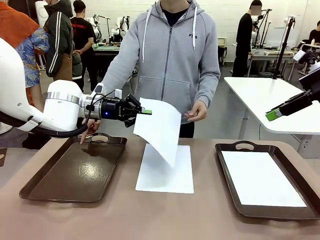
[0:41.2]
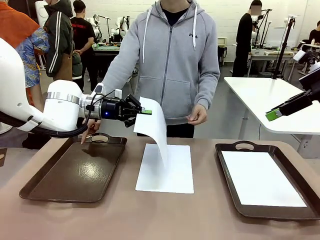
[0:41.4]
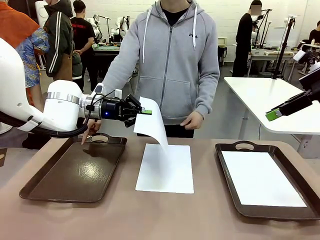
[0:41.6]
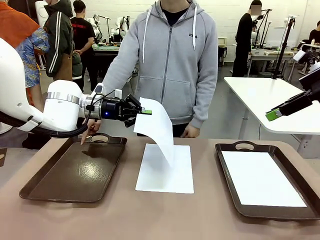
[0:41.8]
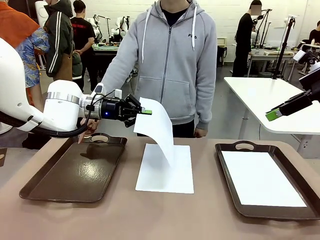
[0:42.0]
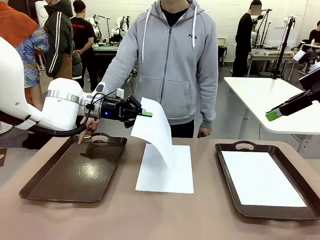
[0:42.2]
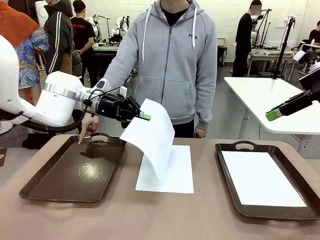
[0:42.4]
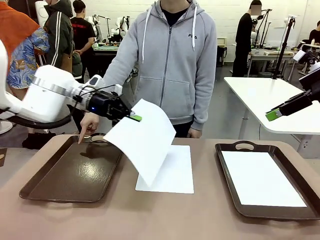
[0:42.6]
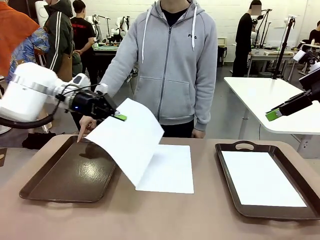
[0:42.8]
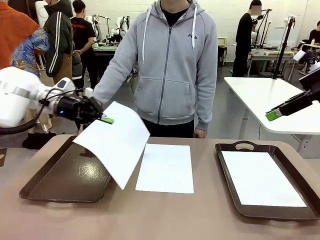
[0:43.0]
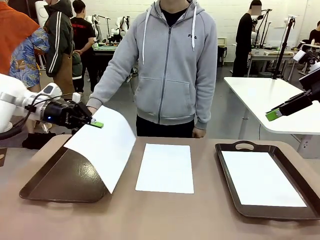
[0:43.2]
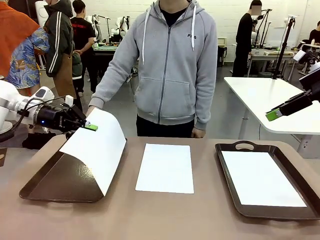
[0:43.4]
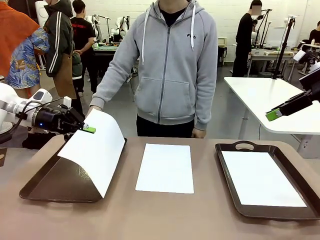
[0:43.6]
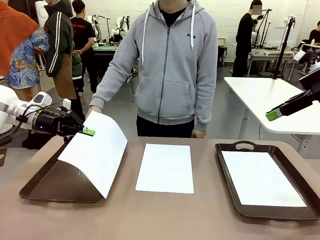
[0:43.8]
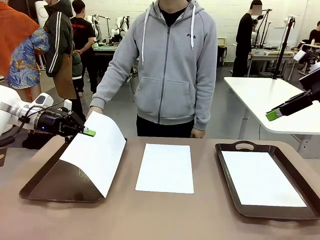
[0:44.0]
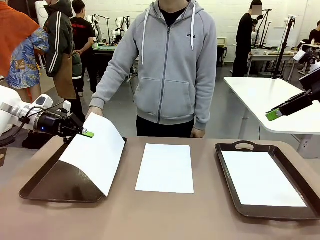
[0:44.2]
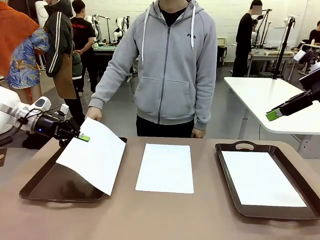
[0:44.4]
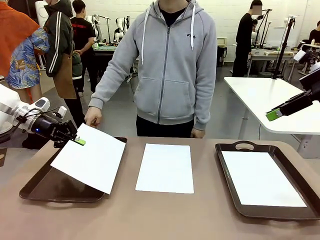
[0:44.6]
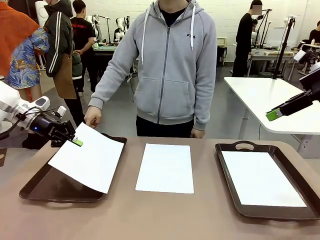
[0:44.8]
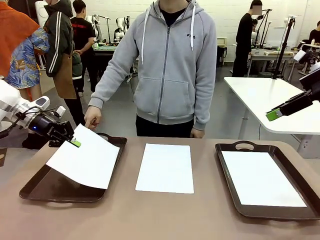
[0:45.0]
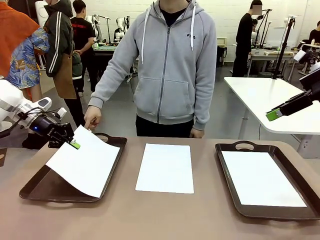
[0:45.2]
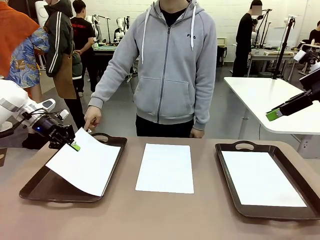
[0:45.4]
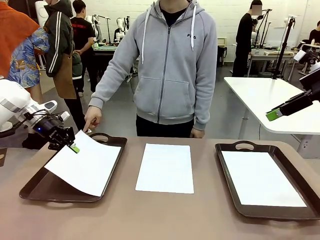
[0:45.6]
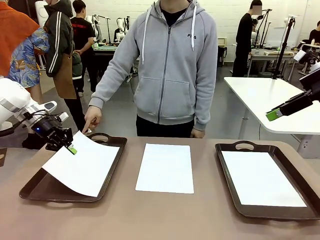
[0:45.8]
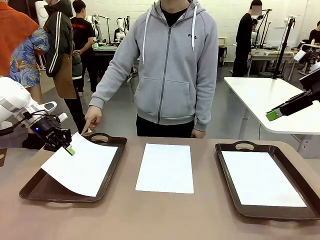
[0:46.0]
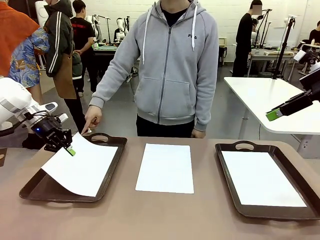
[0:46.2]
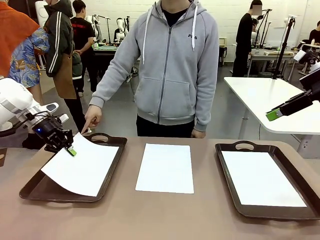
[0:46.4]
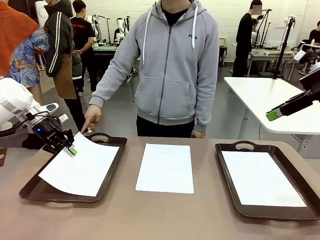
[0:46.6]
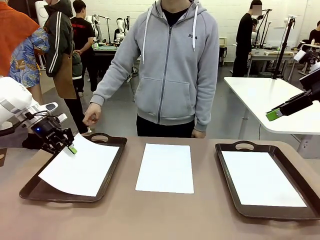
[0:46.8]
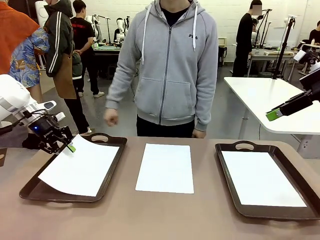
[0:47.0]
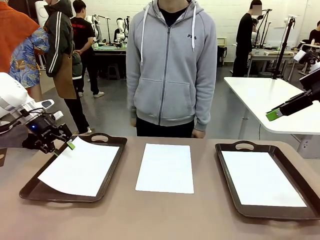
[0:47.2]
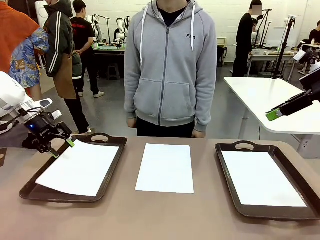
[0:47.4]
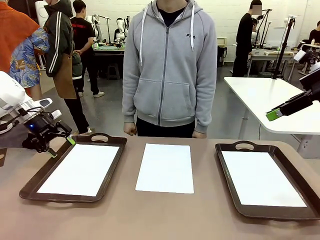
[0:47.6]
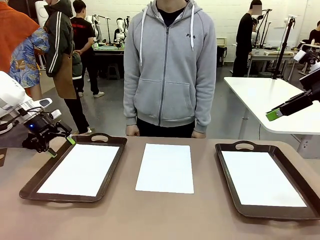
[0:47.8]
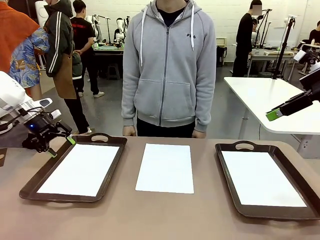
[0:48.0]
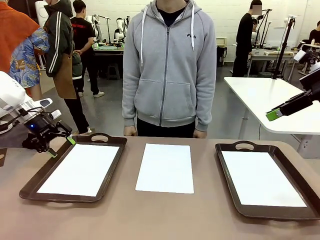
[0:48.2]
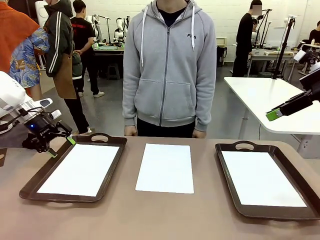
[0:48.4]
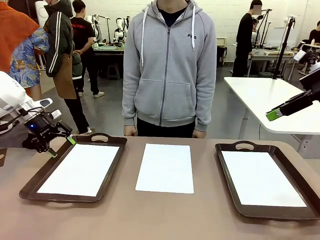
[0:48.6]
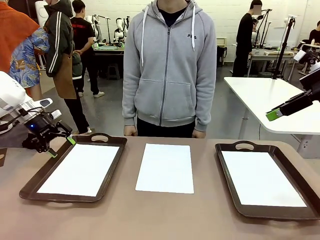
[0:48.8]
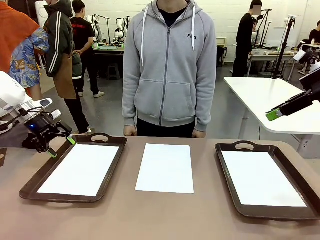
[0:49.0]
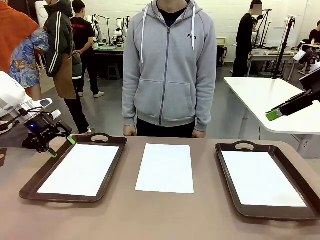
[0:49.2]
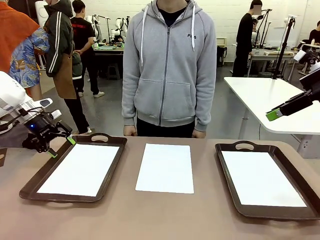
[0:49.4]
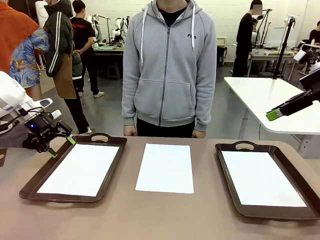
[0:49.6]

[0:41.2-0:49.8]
Task: Sort the A4 documents.
Robot: Place the A4 Paper in the designated Handle tray.

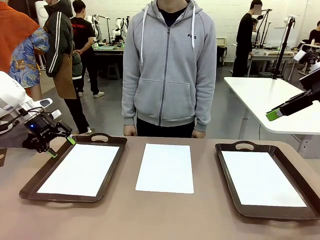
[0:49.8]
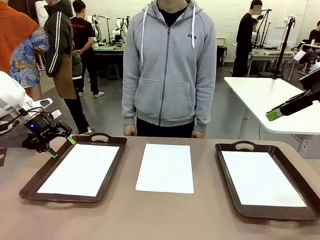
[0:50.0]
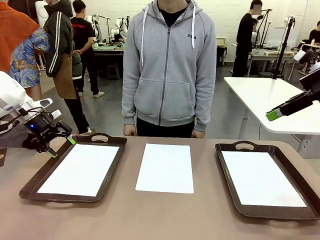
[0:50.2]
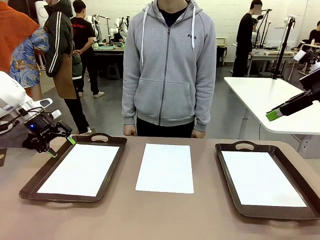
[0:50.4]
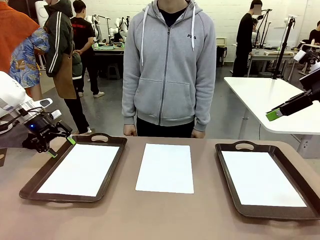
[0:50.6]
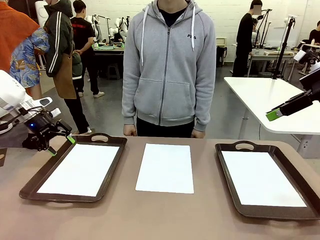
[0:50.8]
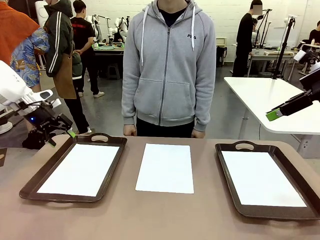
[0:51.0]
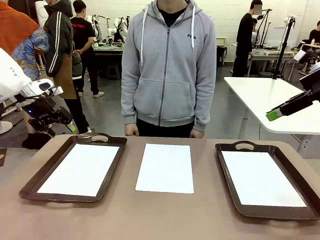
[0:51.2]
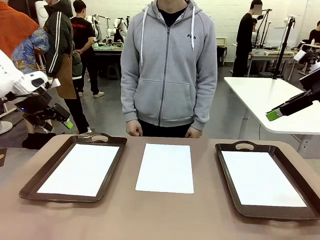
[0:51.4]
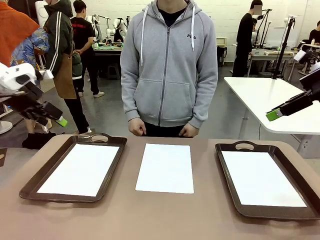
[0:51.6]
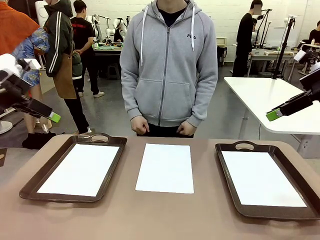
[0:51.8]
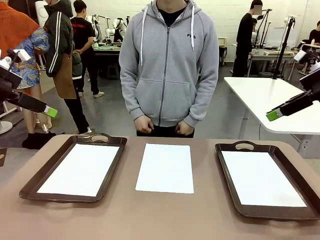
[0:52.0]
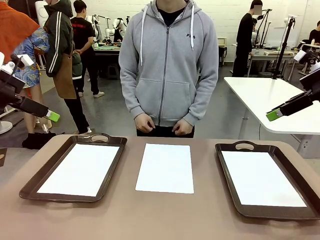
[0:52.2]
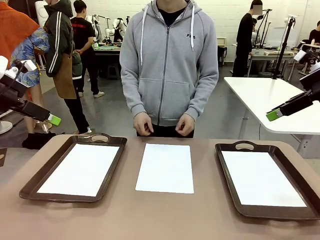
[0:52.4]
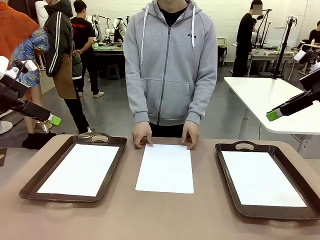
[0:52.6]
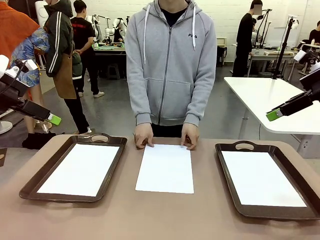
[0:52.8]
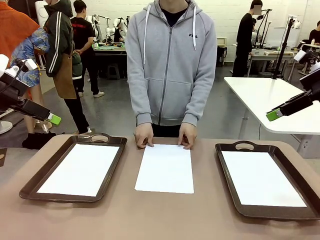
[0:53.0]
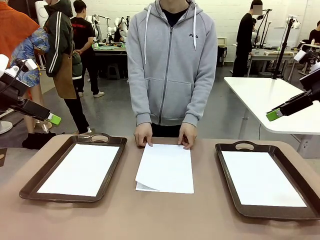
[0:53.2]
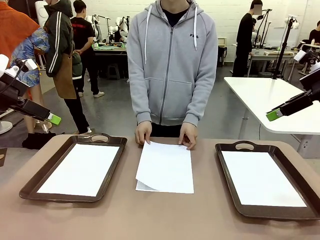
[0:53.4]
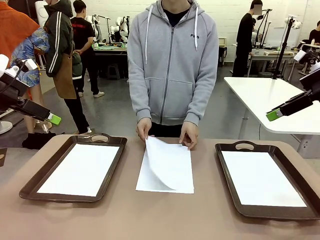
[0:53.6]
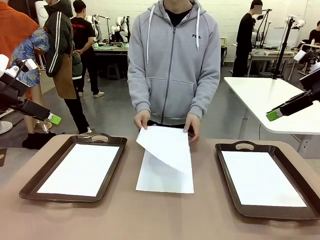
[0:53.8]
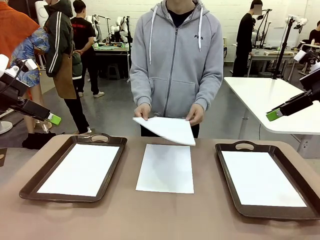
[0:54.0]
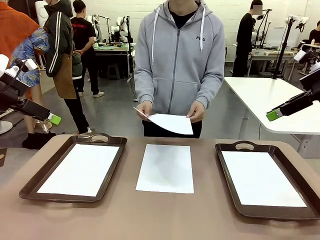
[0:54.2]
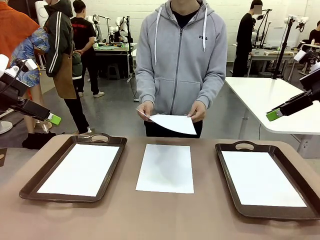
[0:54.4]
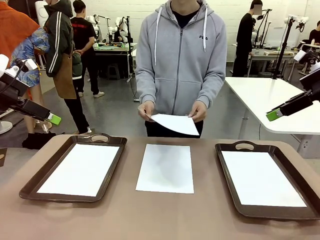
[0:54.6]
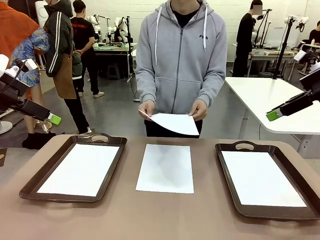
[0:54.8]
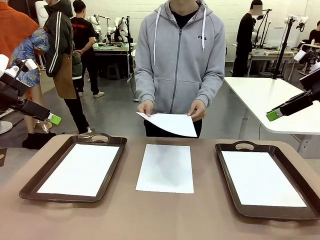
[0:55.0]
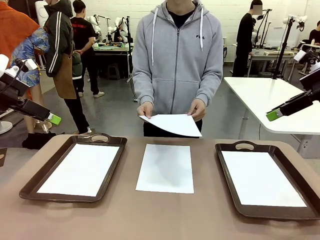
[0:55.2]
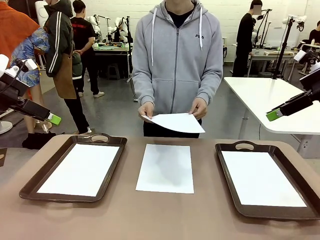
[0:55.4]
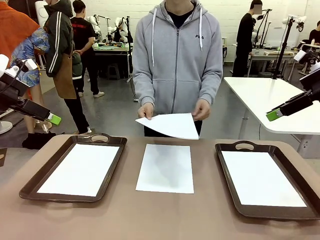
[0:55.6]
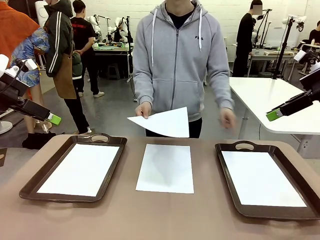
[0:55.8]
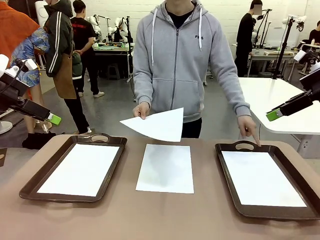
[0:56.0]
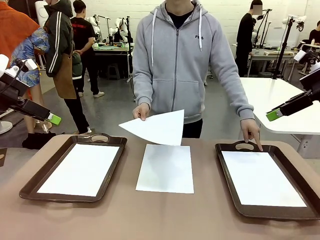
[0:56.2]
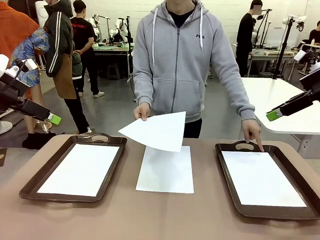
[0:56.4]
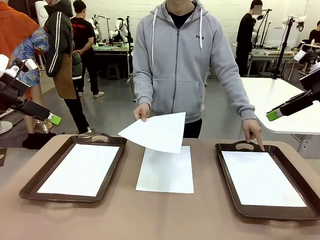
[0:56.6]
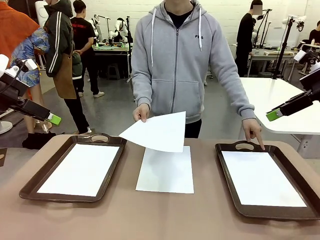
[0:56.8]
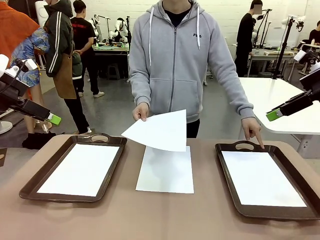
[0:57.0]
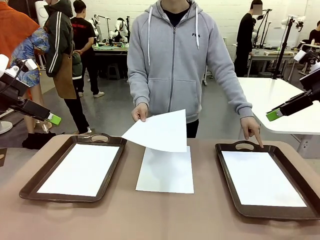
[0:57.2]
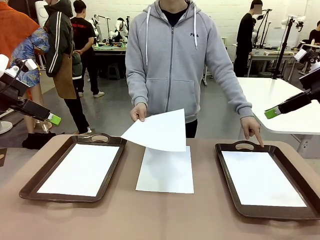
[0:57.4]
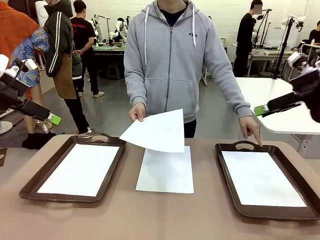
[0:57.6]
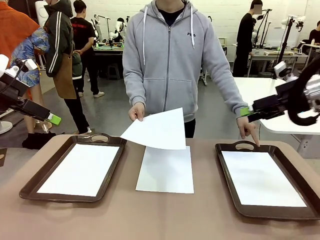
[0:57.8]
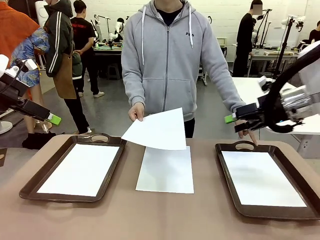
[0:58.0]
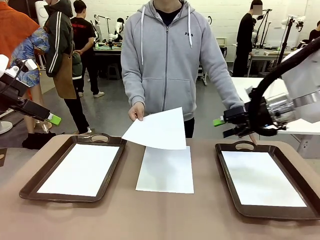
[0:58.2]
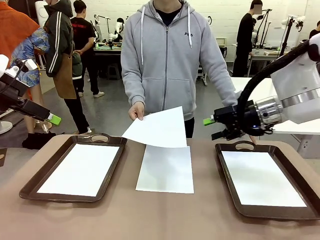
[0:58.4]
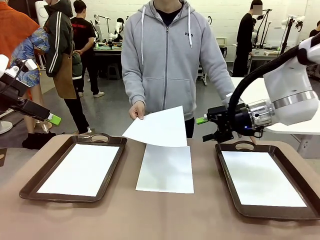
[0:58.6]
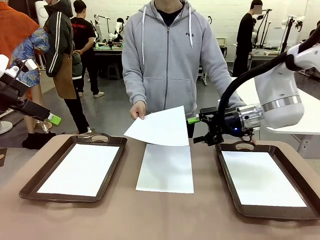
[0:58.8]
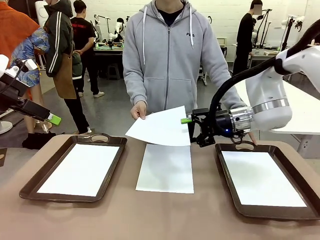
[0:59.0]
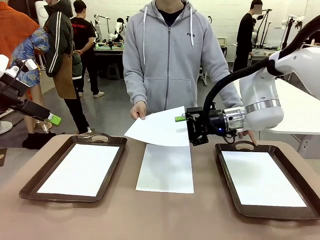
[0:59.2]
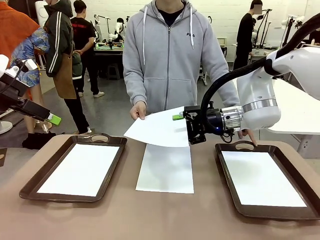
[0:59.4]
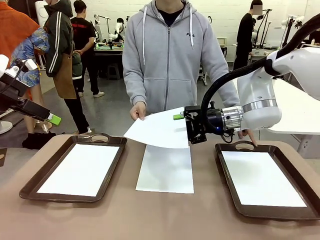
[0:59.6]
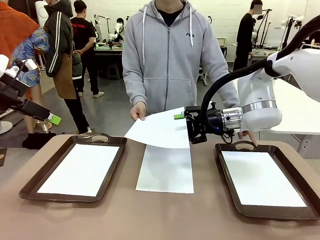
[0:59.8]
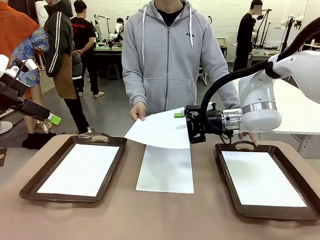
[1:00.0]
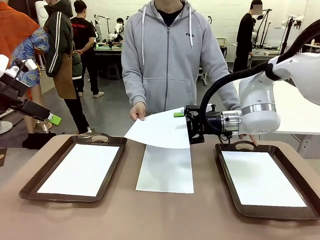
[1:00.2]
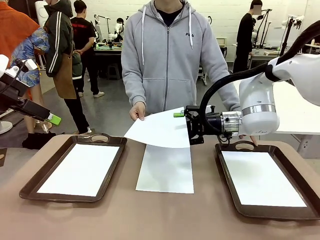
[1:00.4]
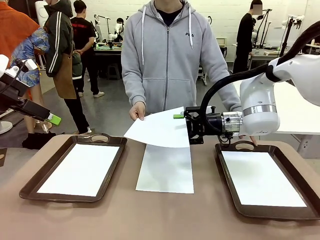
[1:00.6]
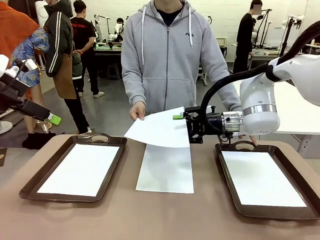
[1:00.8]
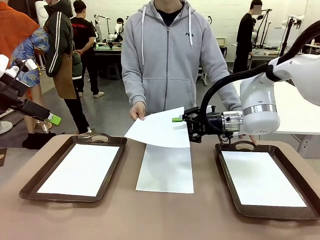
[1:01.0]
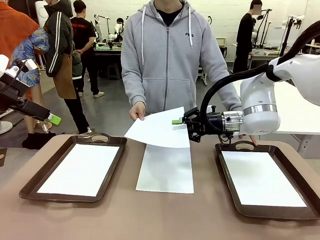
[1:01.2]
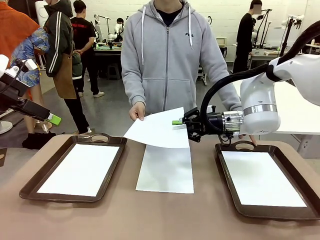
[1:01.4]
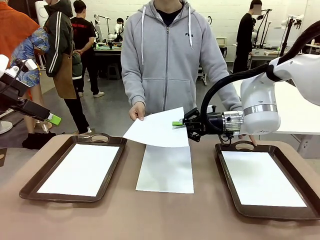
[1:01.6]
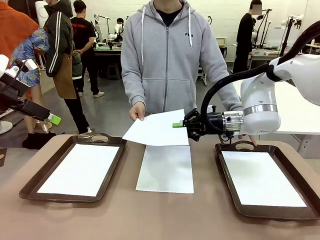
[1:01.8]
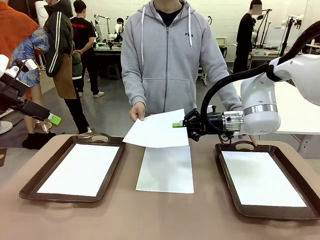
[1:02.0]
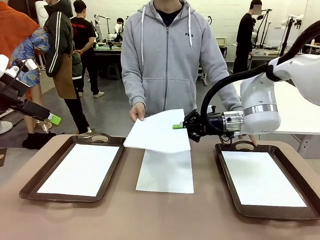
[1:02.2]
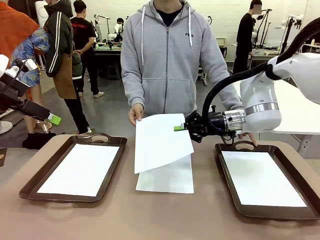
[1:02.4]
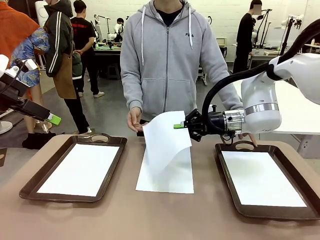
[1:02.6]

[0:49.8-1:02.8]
Robot: Receive the A4 Paper.
Person: Point the randomly selected tray with the other hand.
